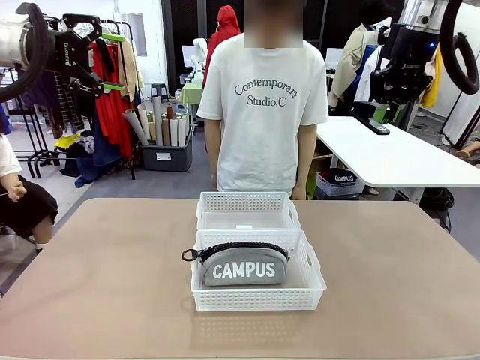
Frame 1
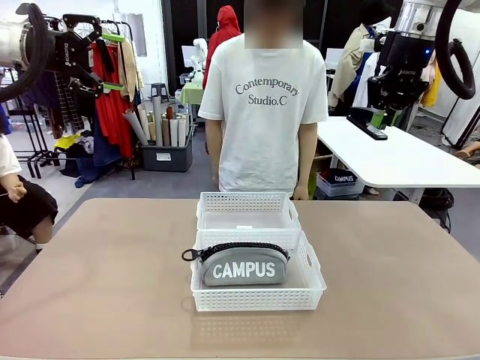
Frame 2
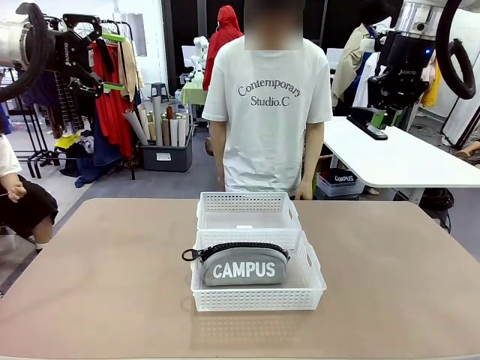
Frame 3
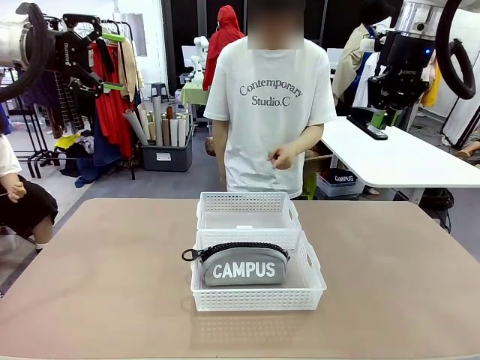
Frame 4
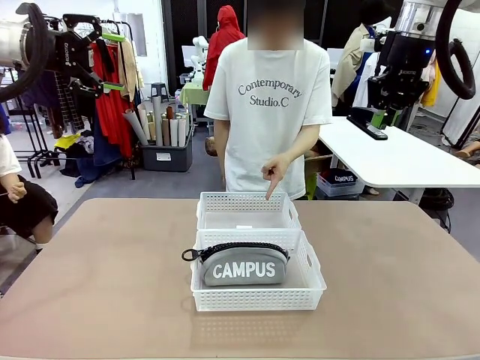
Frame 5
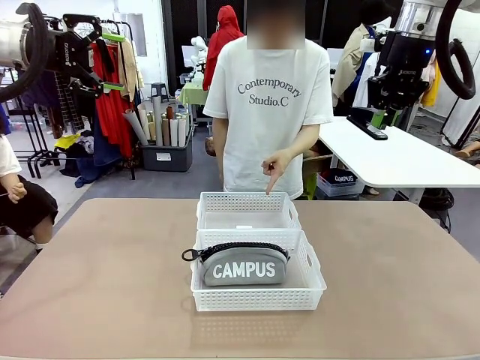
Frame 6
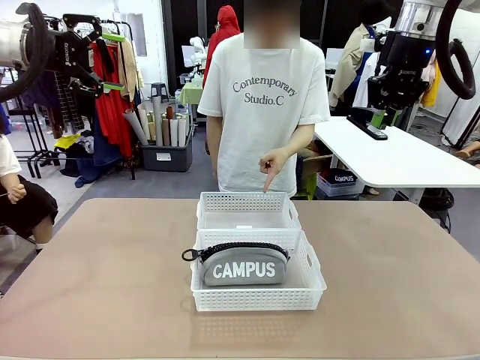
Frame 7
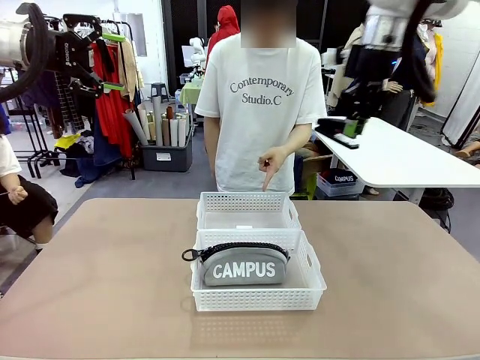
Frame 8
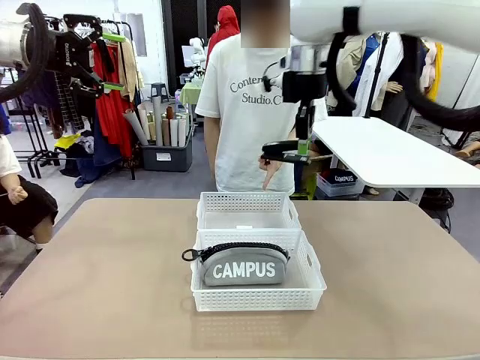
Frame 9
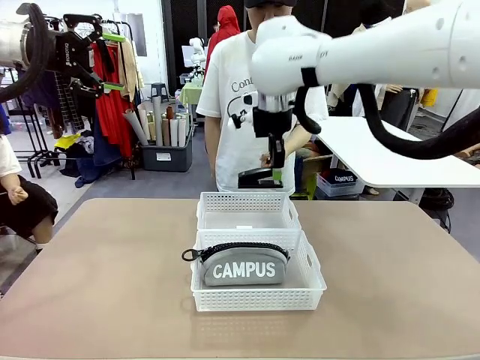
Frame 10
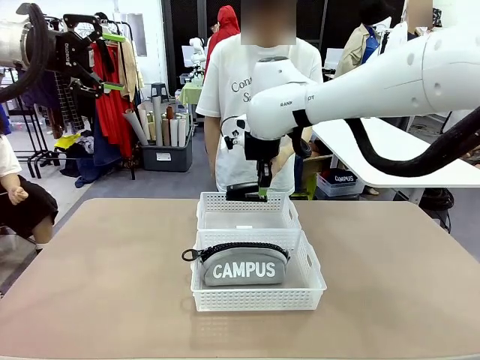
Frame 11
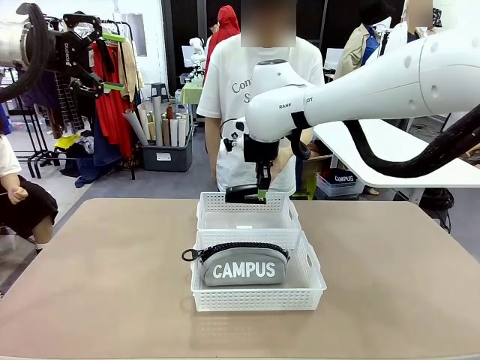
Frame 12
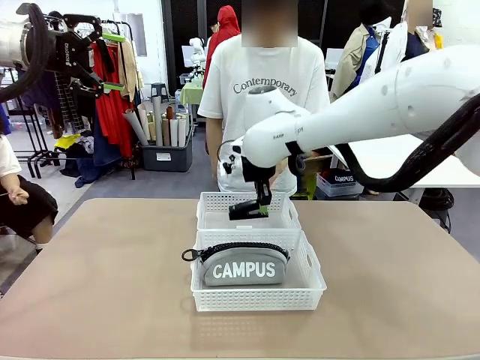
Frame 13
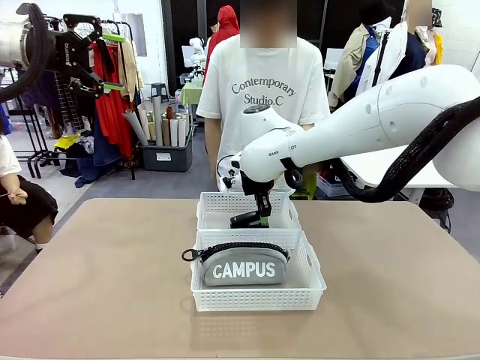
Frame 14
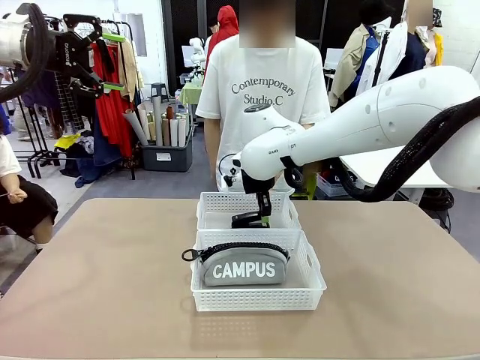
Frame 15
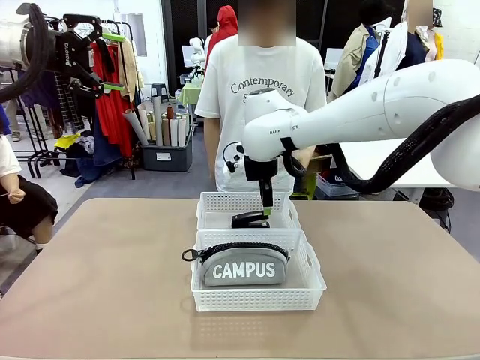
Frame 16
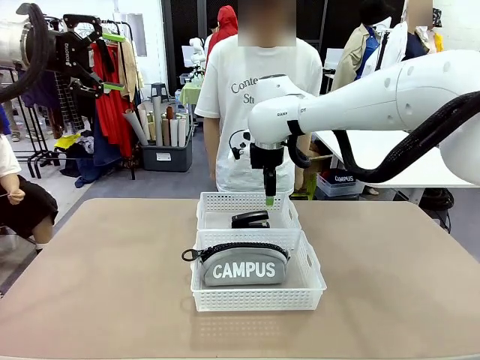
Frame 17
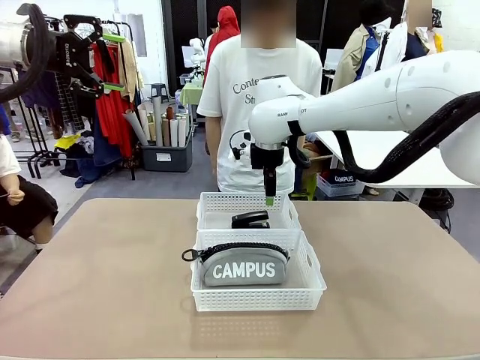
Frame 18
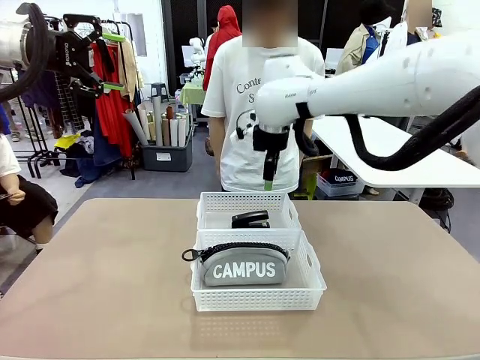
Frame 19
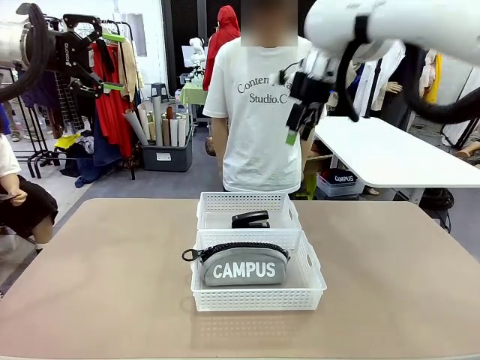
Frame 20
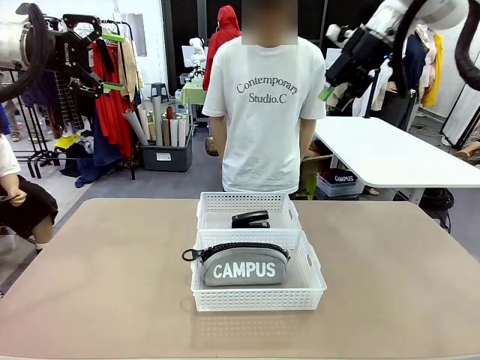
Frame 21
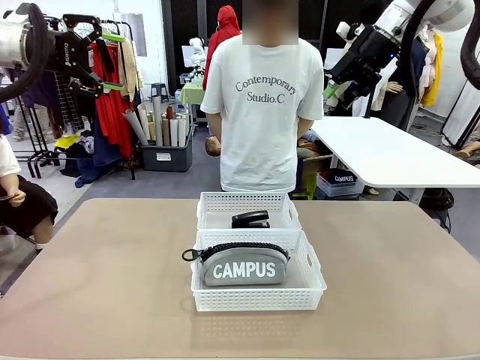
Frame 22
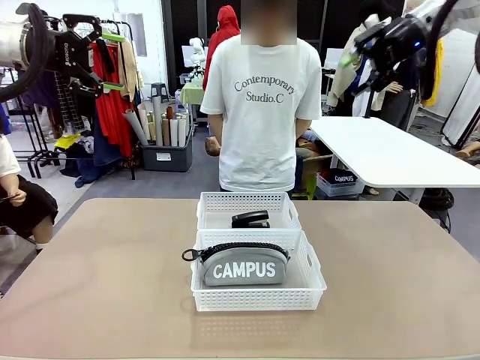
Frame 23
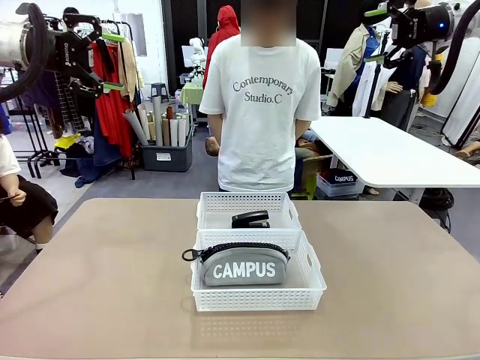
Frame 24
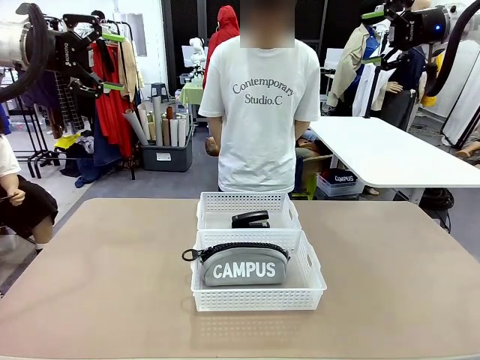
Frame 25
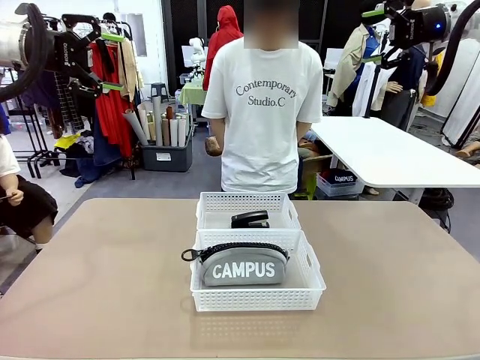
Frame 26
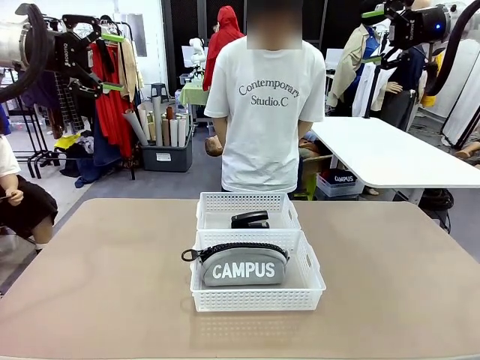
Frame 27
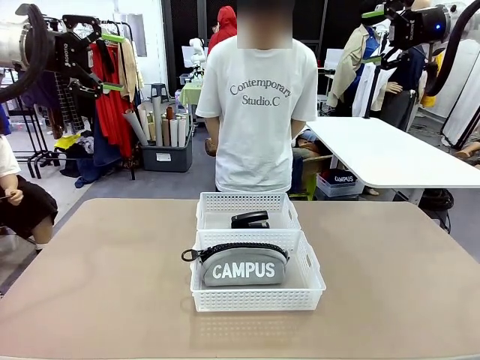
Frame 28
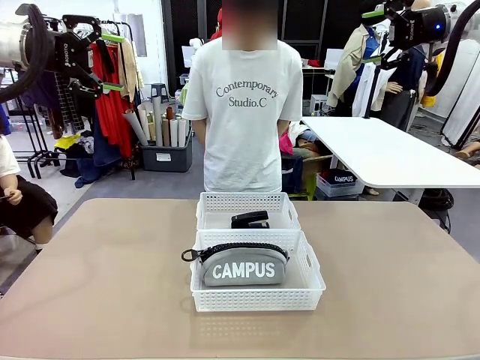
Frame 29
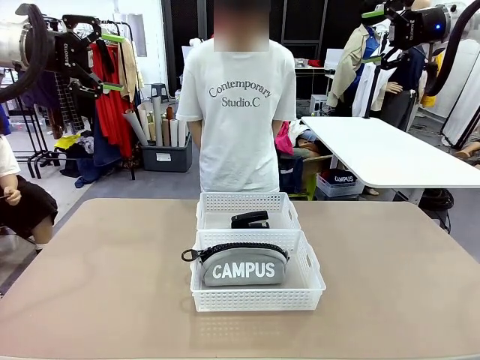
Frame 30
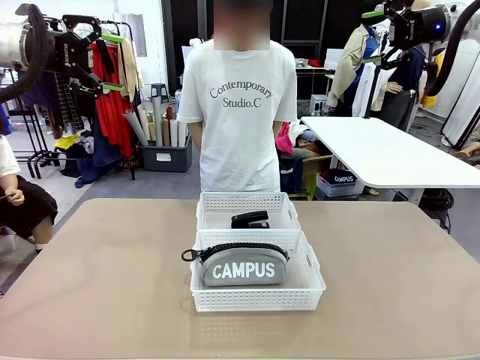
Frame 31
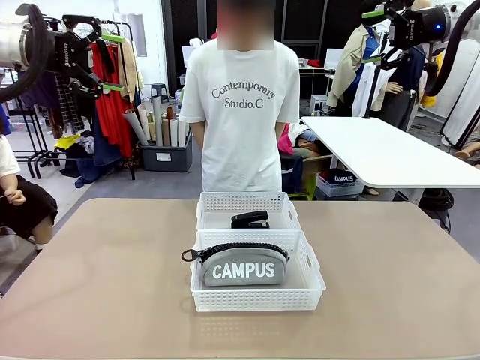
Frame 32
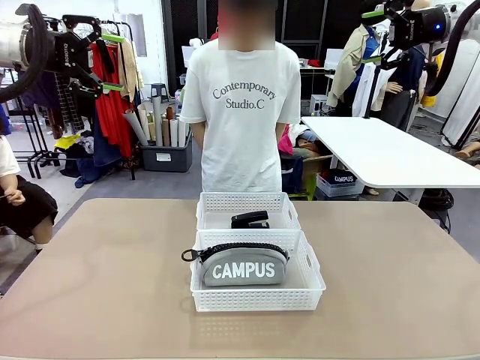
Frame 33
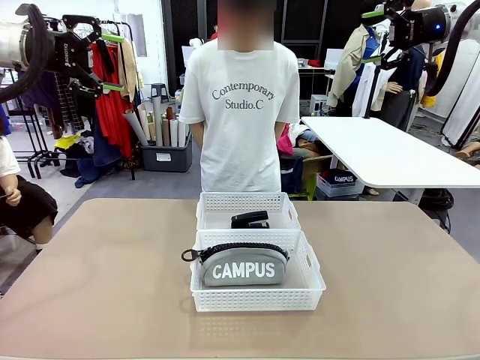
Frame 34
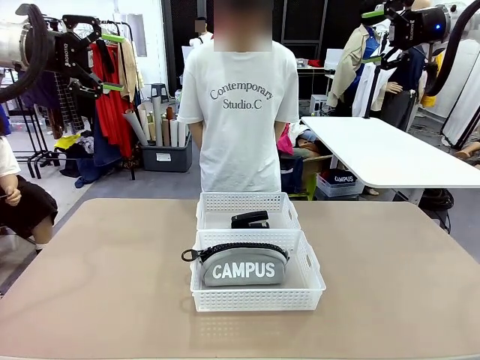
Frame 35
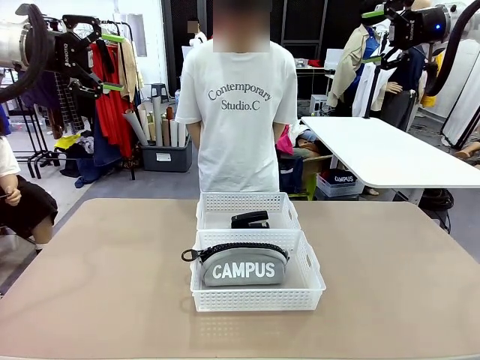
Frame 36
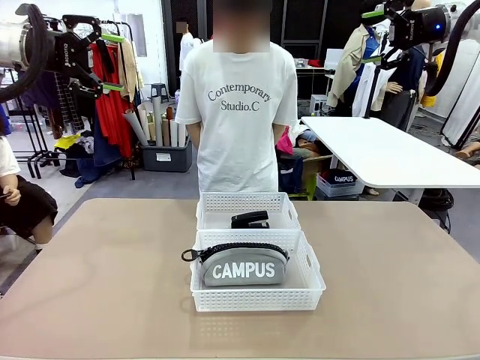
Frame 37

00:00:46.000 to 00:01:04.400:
Task: Distribute items into two baskets.
Robot: Place the picked Stapler into the Organizing basket as instructed by the person.
Person: Points to the basket that does not contain the pencil case and instructs the robot to move the stapler there.

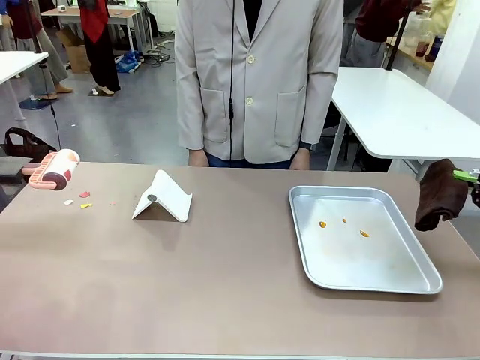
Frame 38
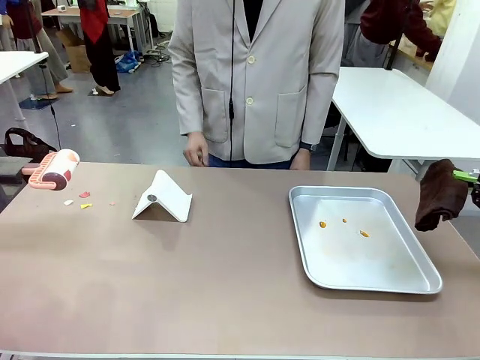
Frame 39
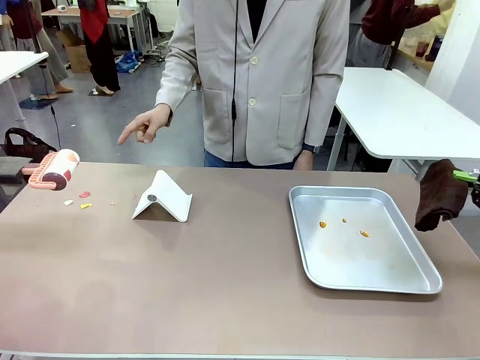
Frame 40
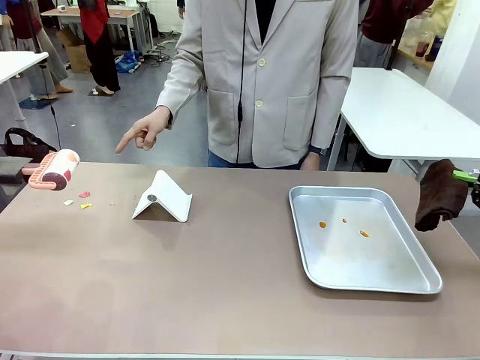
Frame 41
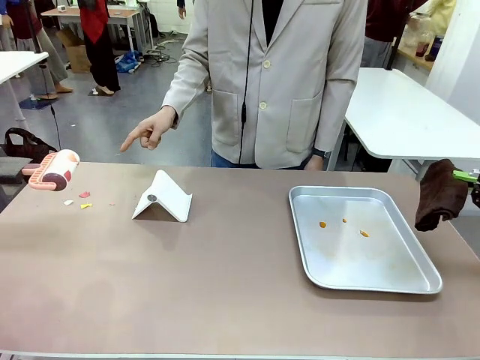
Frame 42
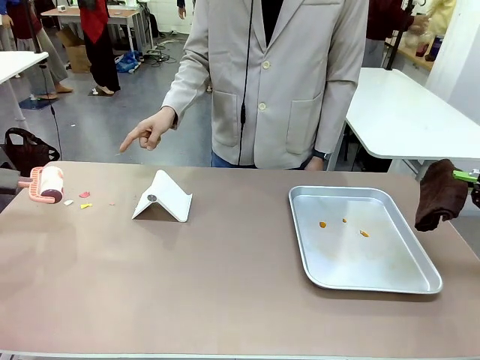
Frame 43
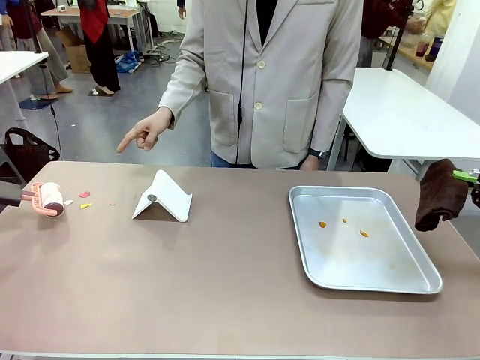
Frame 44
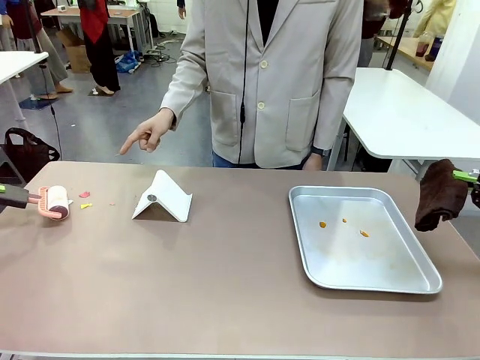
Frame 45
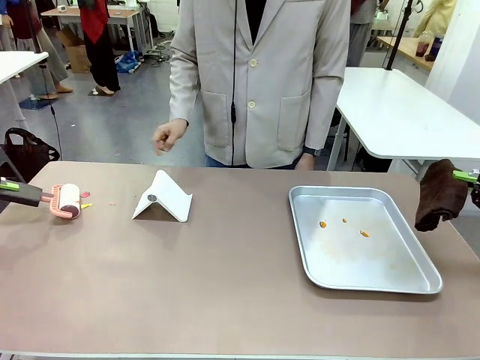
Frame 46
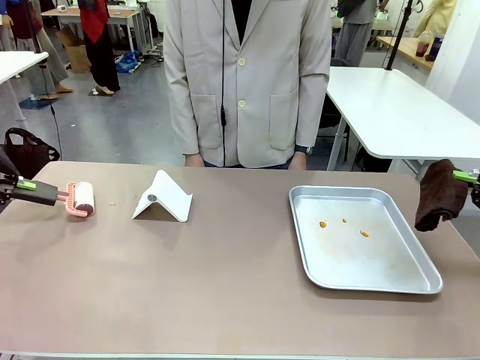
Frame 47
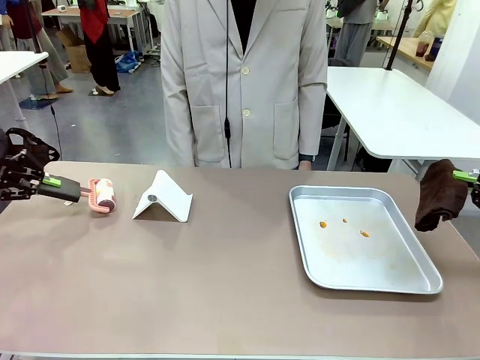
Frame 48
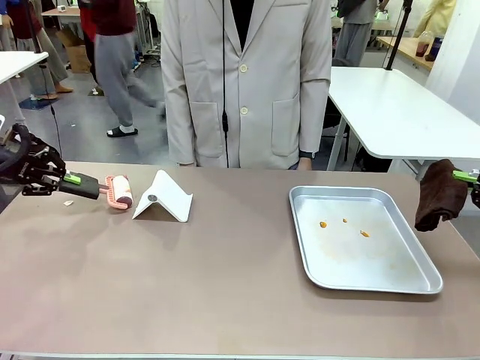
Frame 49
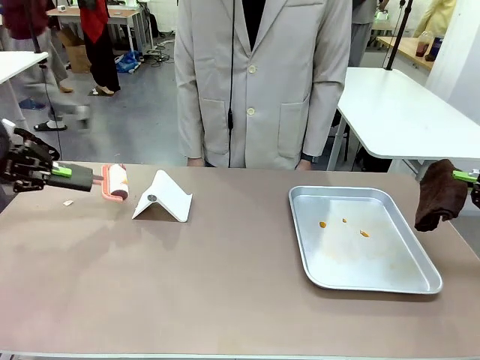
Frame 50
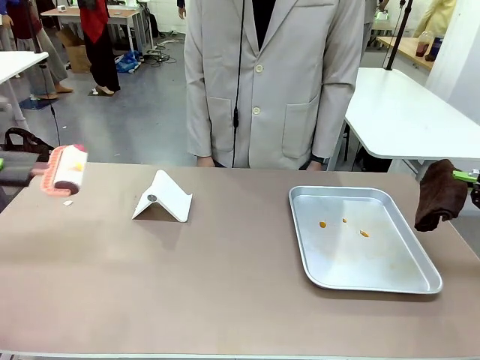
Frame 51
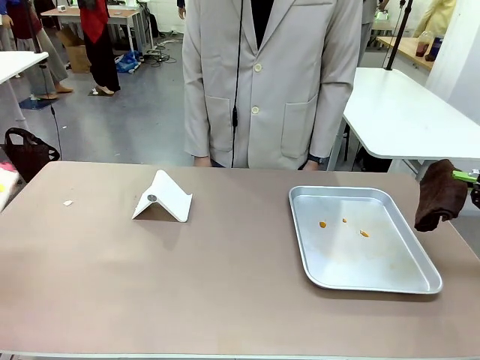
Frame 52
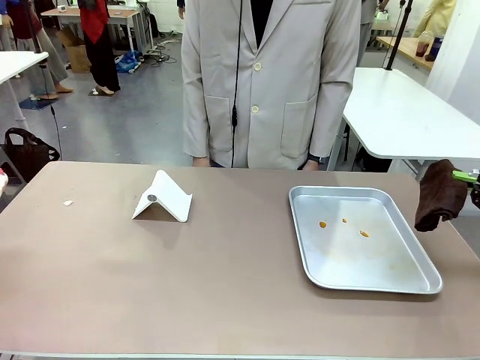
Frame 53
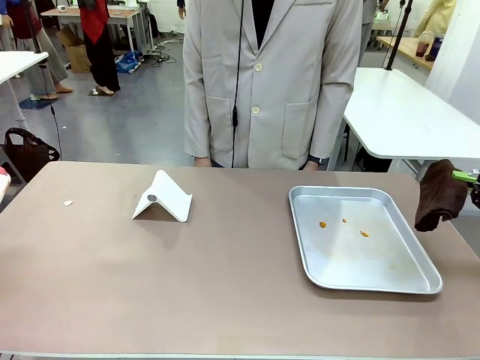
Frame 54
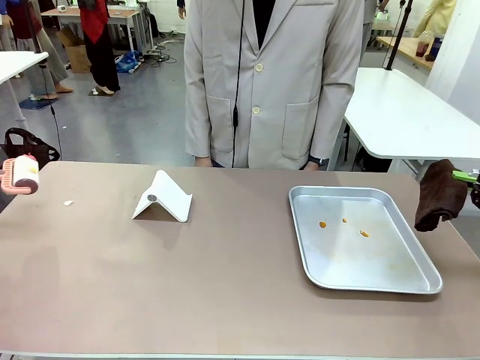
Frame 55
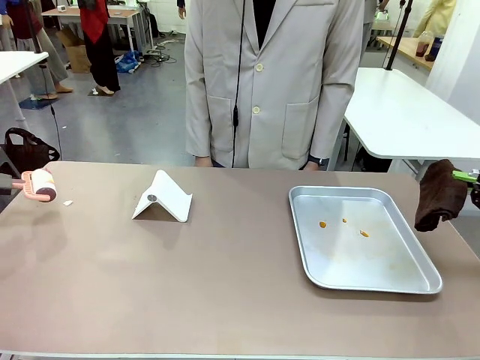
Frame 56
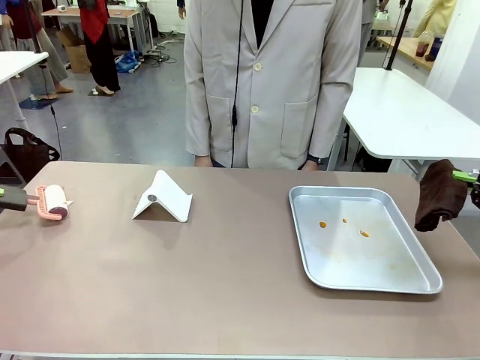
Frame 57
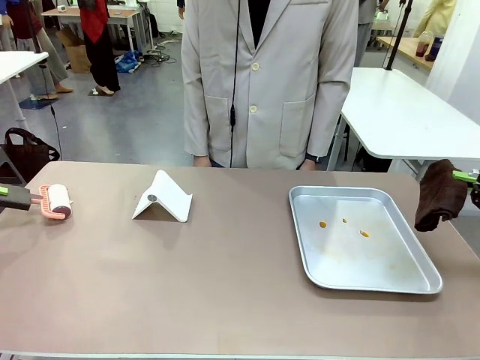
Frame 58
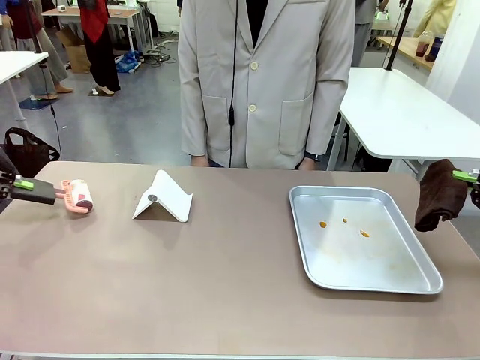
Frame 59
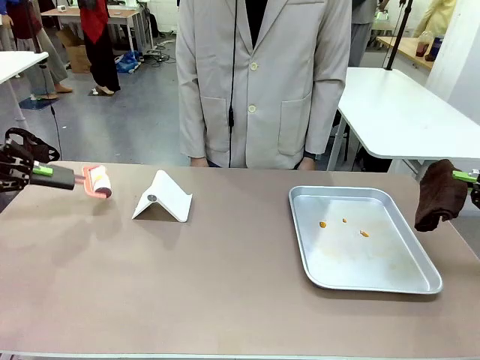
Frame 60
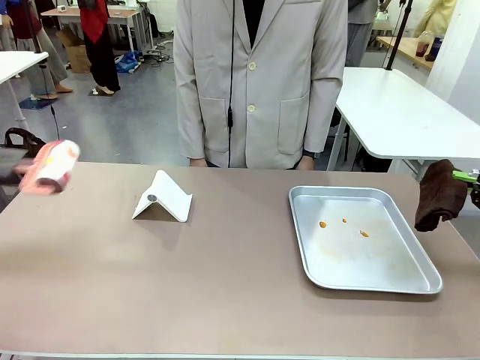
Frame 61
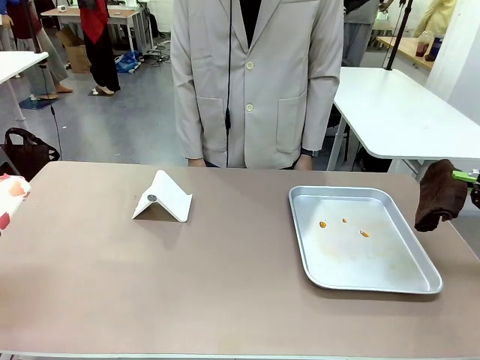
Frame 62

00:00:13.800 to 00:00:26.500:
Task: Clean the surface of the table.
Robot: If a person points to the right, clean the right side of the table with your right hand, and if they point to the left, clean the left side with your left hand.
